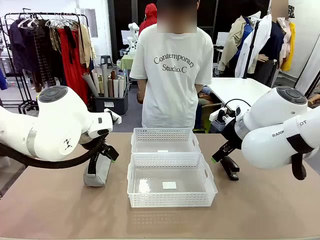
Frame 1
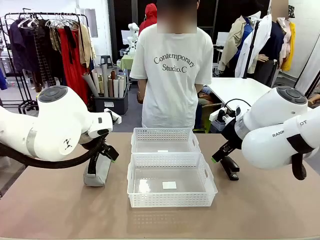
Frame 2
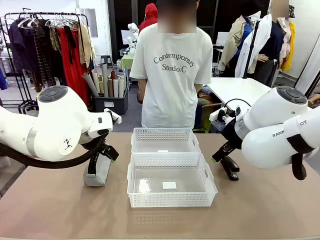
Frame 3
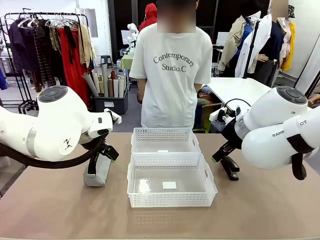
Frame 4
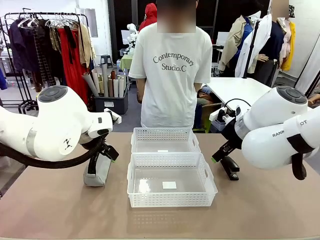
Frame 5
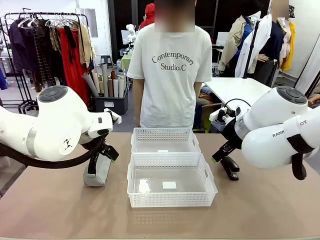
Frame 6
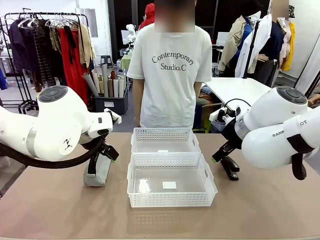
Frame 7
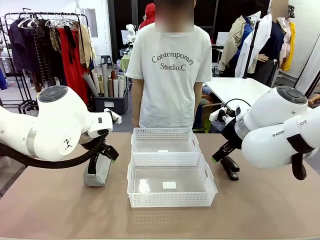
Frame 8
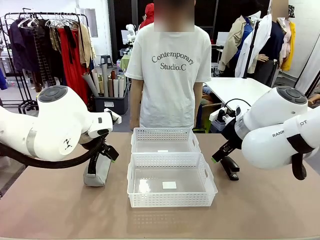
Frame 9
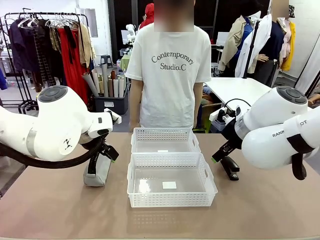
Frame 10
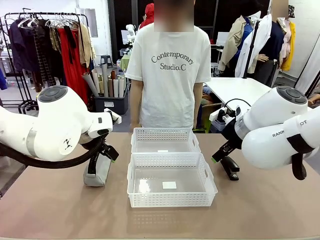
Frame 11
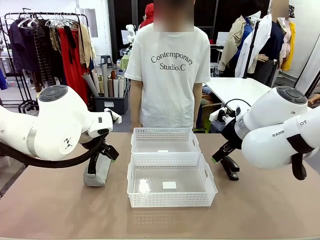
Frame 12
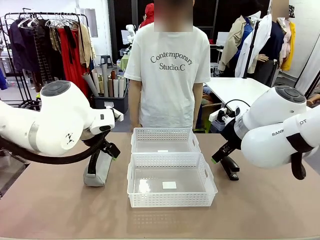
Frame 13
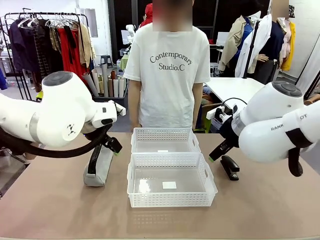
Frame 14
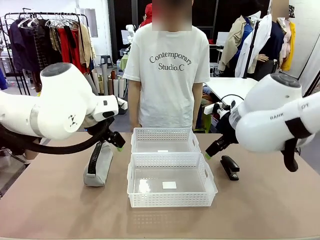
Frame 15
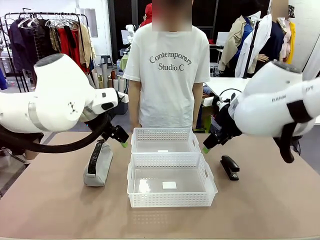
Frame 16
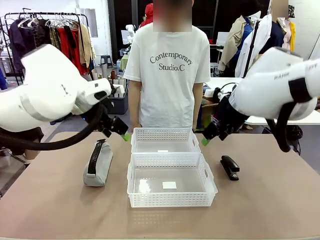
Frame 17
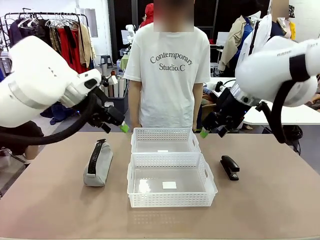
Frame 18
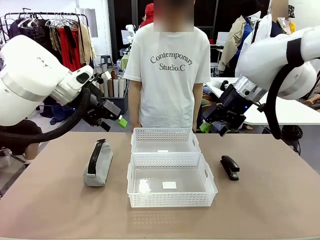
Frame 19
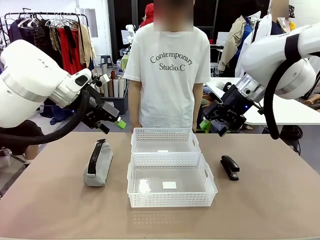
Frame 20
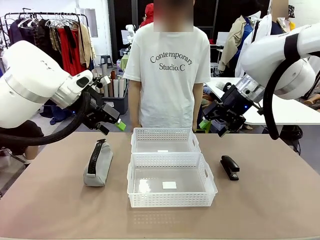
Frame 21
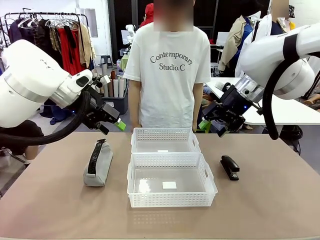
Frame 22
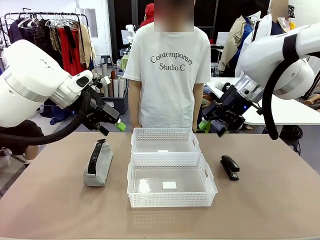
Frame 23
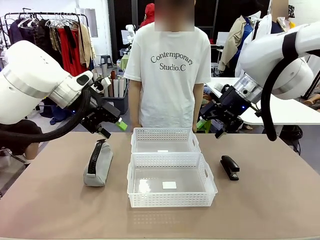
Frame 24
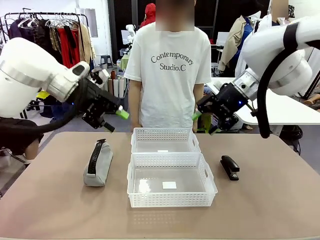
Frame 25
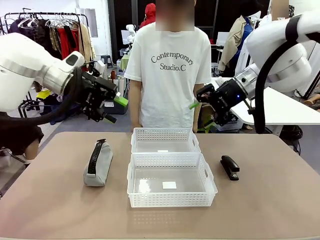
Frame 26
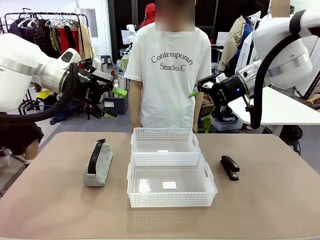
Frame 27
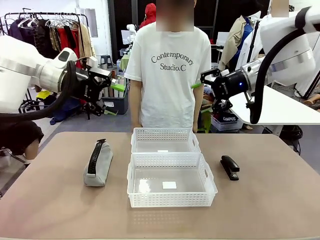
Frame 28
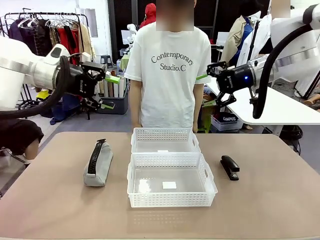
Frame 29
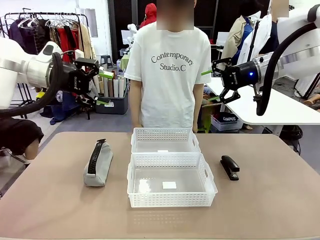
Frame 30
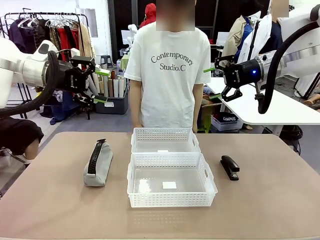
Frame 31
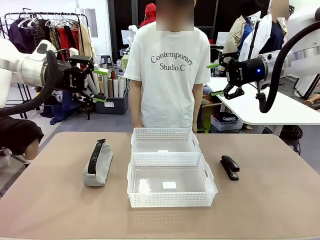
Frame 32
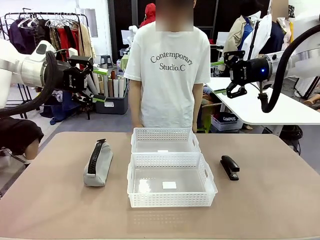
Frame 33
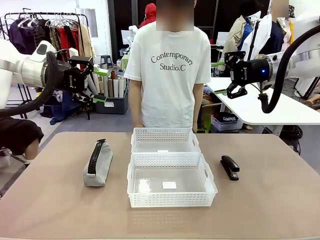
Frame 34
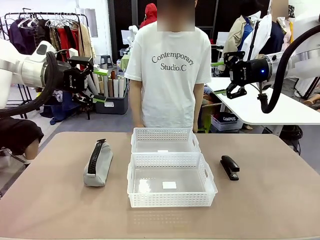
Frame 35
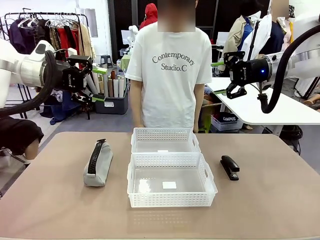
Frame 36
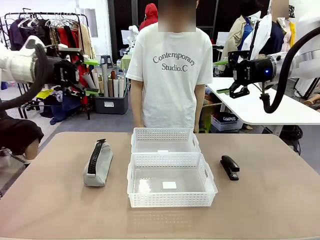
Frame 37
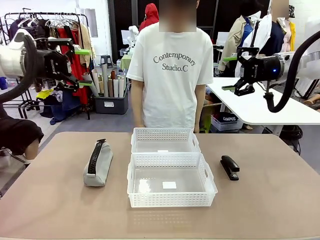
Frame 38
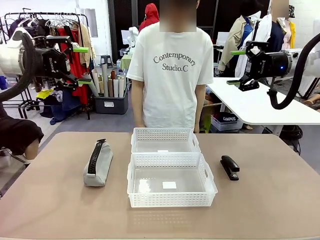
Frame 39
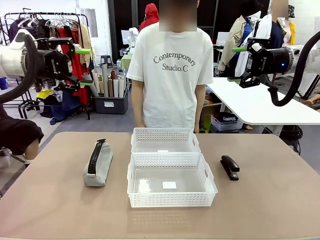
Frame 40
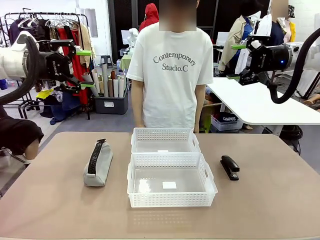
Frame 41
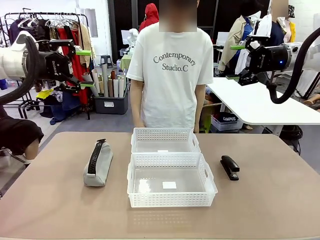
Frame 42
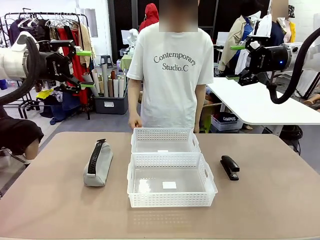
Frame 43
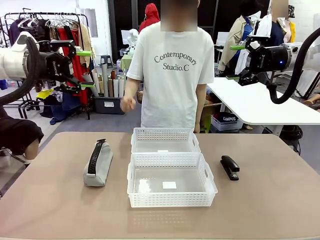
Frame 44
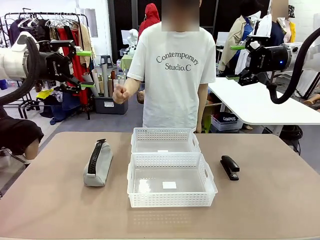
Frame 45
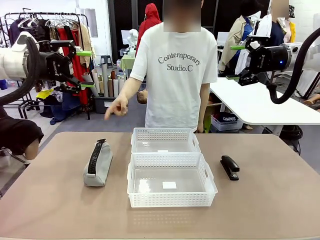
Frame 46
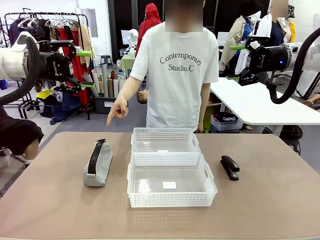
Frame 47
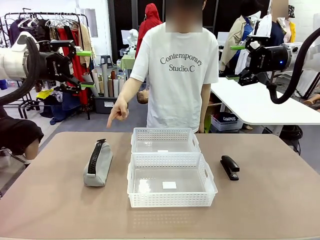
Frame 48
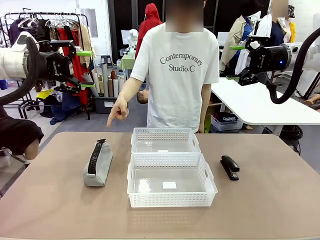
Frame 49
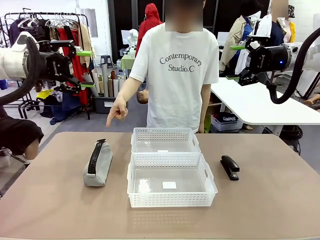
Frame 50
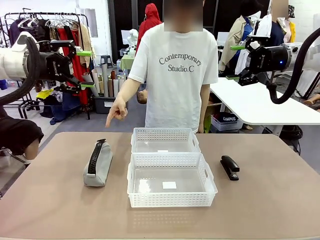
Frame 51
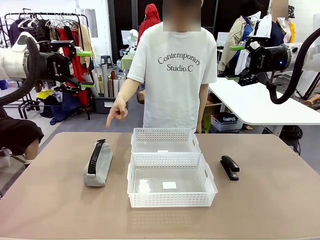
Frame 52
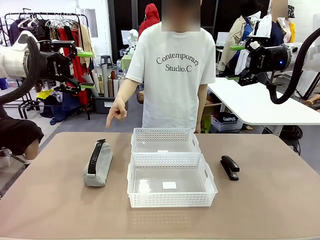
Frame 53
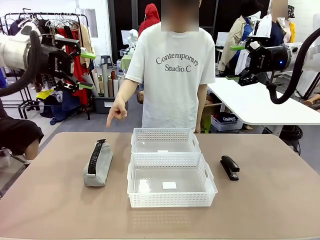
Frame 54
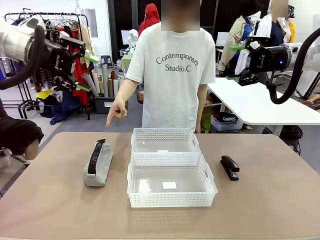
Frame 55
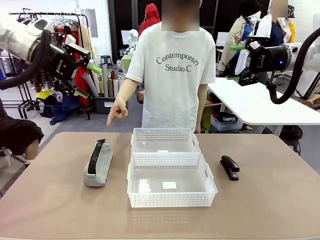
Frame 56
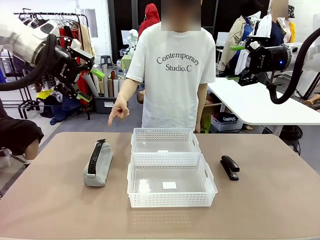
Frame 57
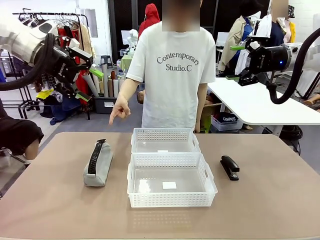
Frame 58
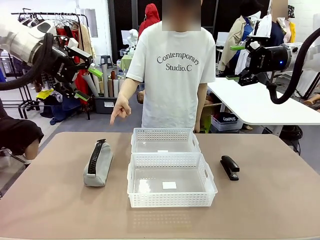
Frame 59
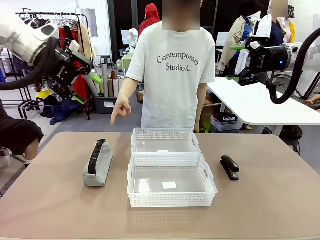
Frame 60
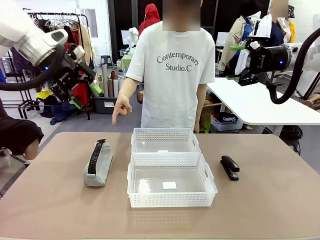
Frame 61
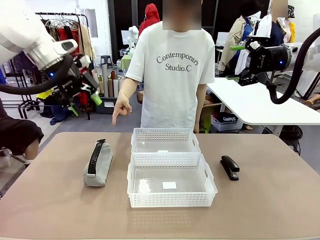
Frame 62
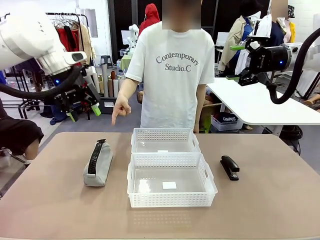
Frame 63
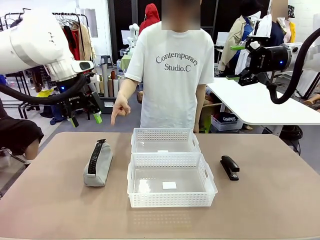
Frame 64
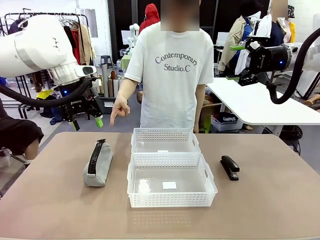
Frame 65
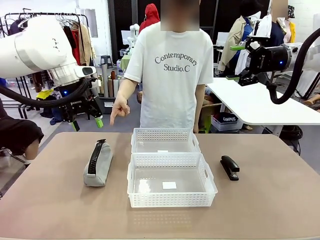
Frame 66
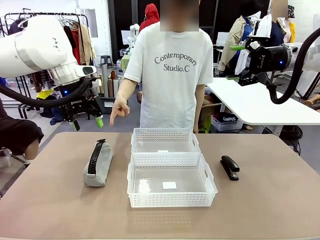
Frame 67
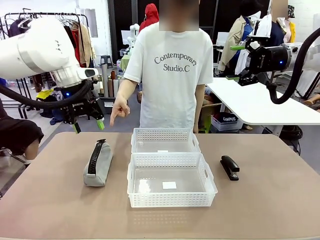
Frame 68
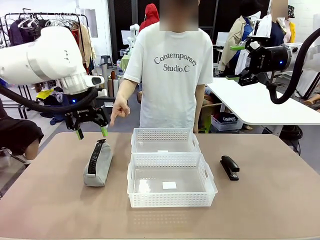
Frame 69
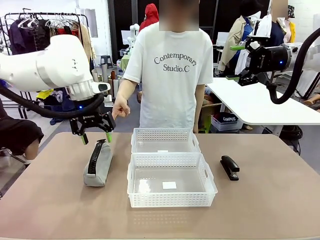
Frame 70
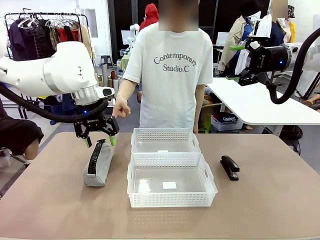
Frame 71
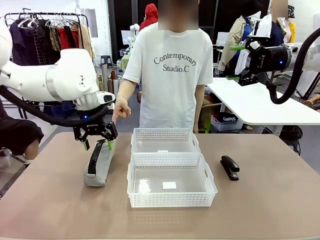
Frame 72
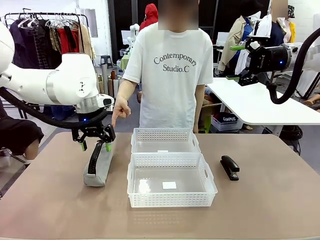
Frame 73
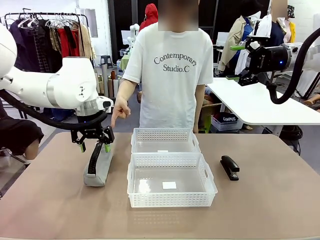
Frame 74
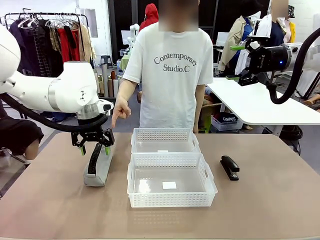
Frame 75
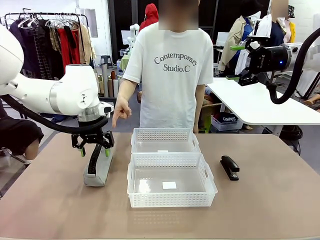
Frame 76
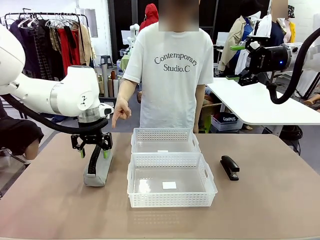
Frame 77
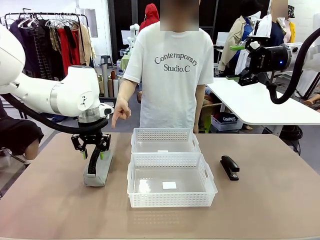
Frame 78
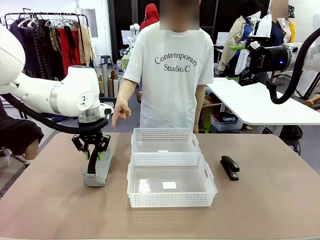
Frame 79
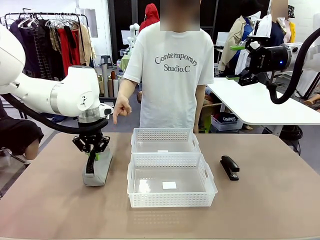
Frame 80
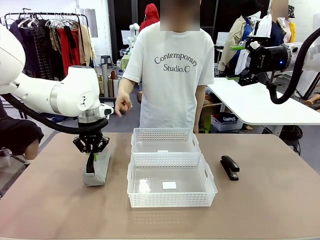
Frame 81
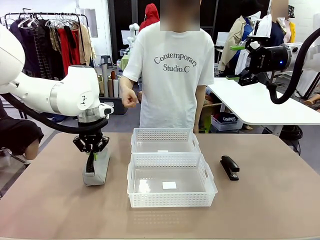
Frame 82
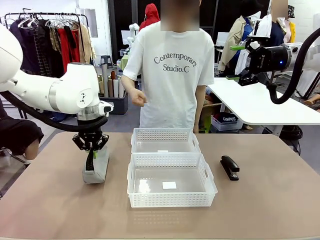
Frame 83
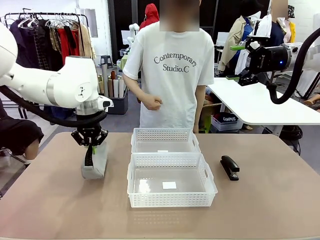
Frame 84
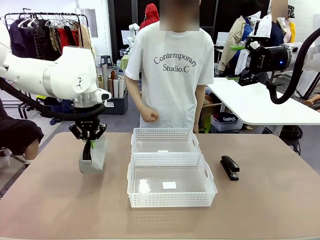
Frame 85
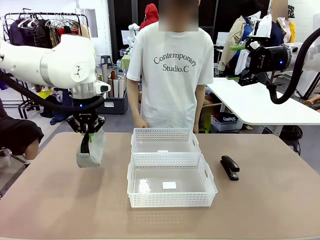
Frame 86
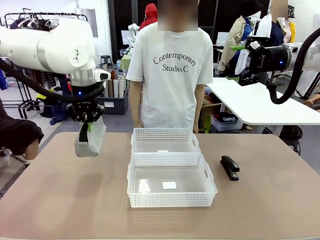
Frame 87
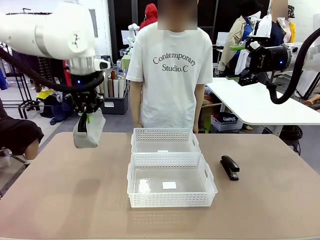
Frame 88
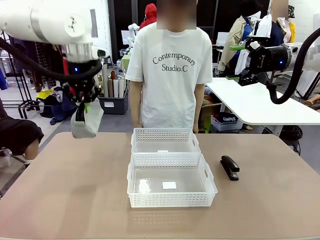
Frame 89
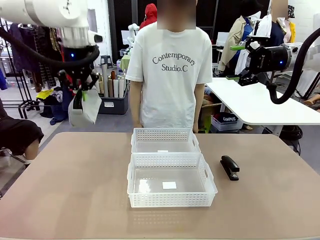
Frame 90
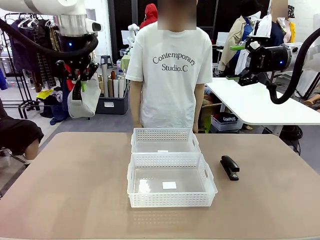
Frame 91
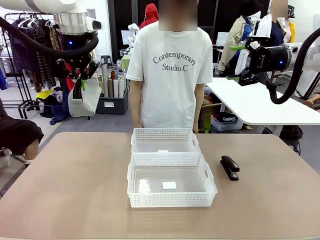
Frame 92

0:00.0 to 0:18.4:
Task: Distribute items into two baskets.
Robot: Pick up the Pencil pouch that the person points to.
Person: Points to the pencil case. Points between the two organizing baskets and instructs the robot to move the pencil case.
